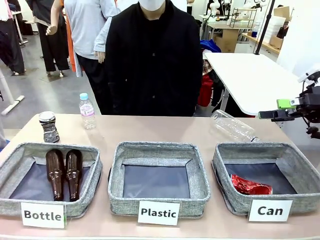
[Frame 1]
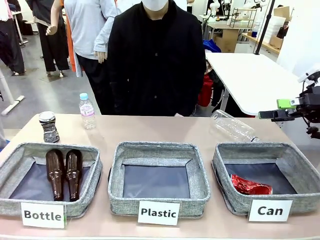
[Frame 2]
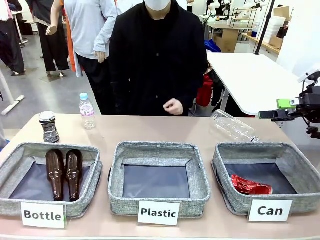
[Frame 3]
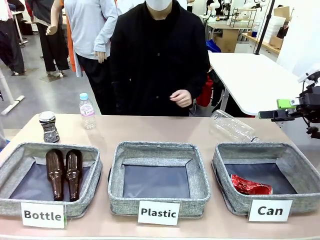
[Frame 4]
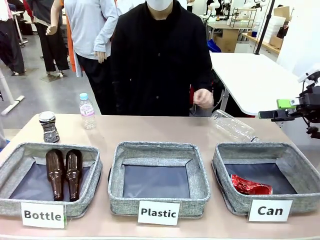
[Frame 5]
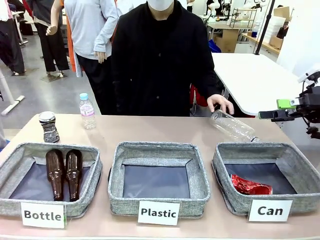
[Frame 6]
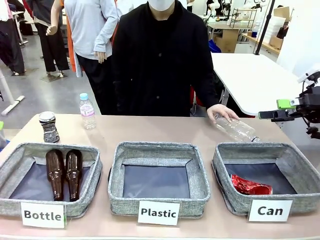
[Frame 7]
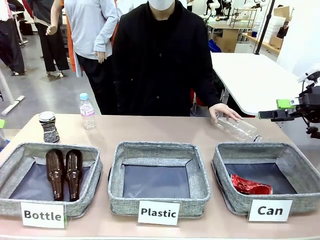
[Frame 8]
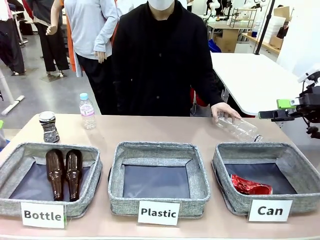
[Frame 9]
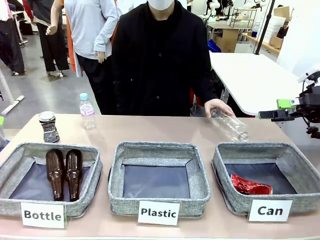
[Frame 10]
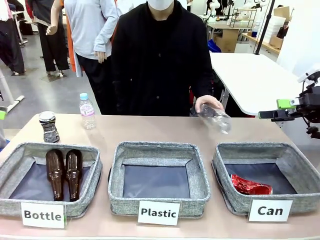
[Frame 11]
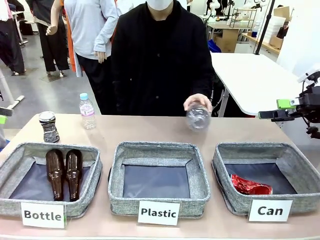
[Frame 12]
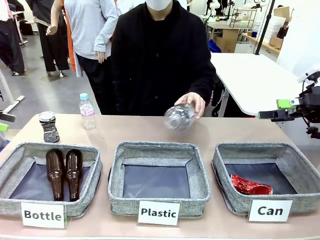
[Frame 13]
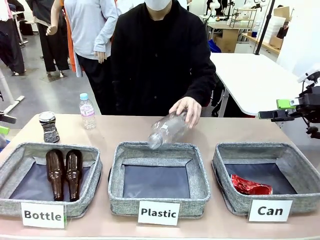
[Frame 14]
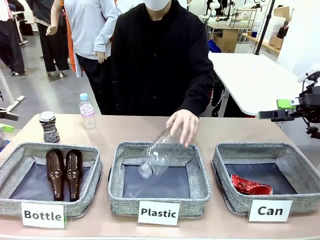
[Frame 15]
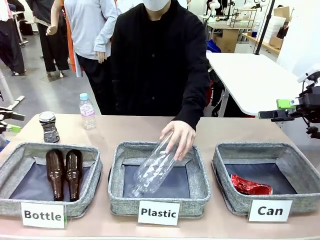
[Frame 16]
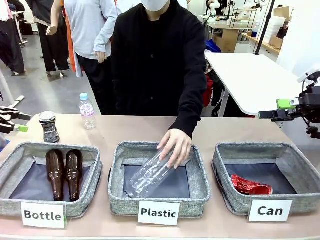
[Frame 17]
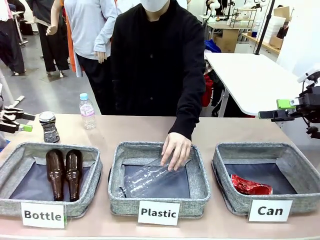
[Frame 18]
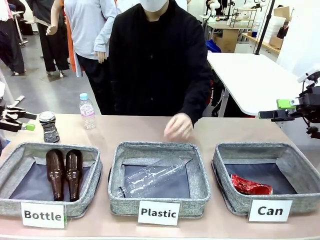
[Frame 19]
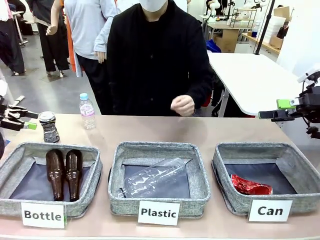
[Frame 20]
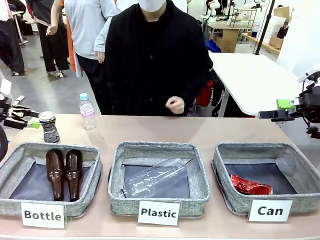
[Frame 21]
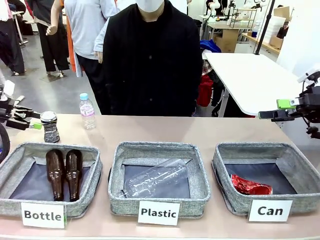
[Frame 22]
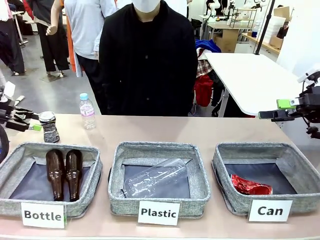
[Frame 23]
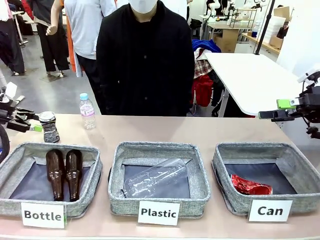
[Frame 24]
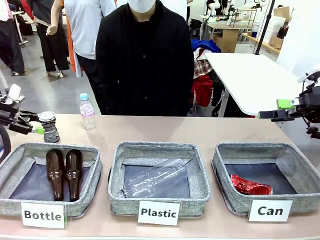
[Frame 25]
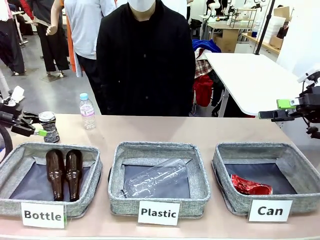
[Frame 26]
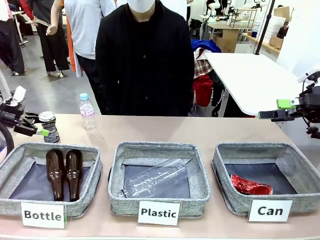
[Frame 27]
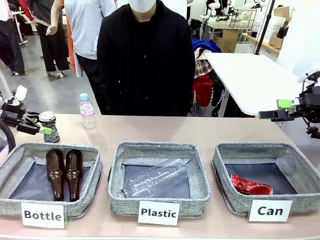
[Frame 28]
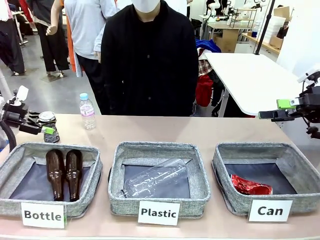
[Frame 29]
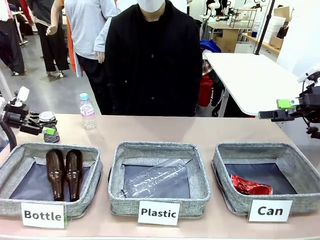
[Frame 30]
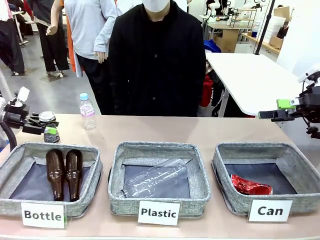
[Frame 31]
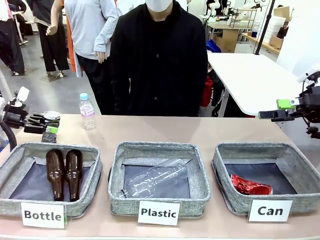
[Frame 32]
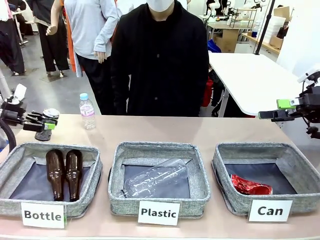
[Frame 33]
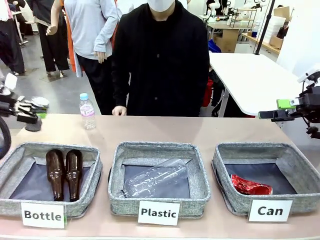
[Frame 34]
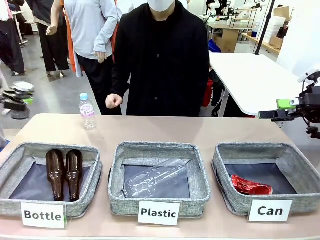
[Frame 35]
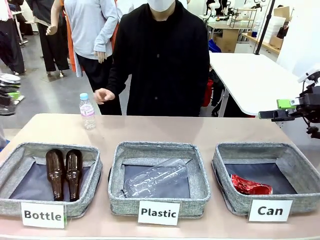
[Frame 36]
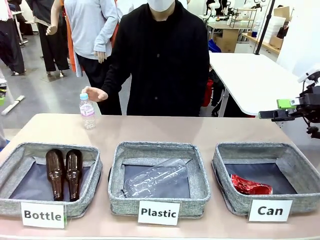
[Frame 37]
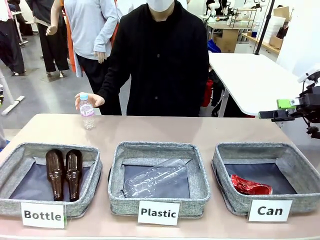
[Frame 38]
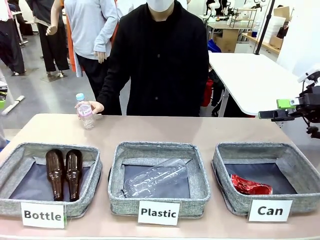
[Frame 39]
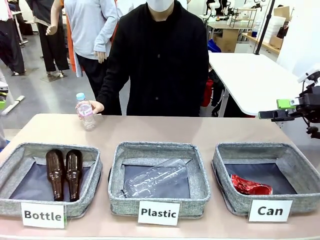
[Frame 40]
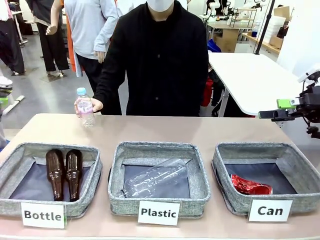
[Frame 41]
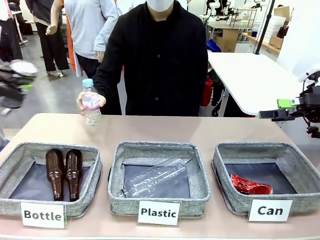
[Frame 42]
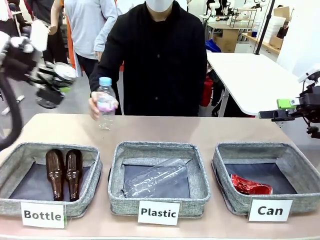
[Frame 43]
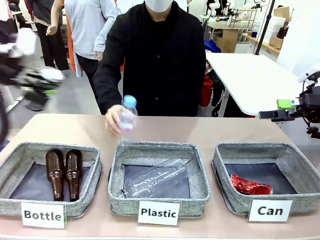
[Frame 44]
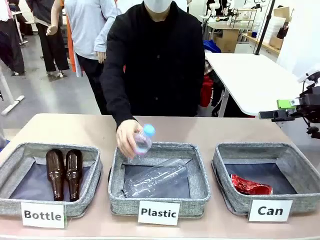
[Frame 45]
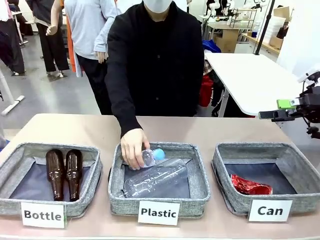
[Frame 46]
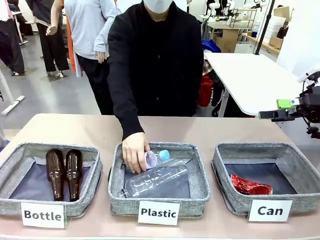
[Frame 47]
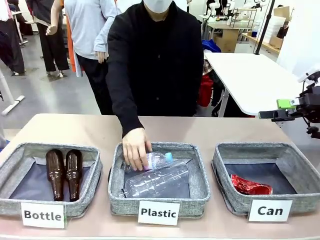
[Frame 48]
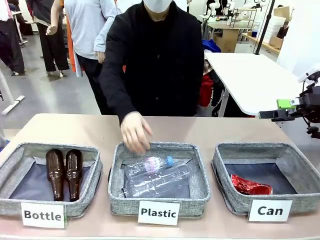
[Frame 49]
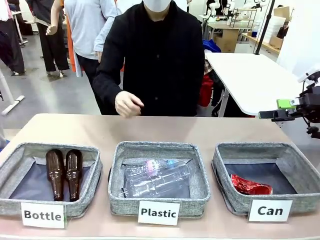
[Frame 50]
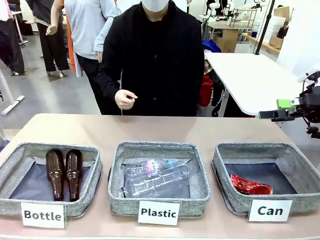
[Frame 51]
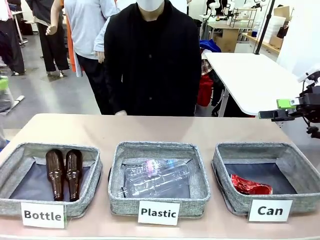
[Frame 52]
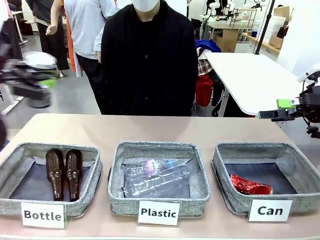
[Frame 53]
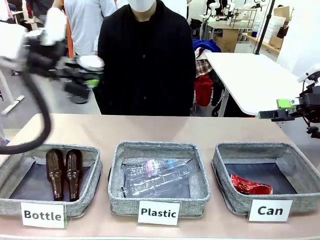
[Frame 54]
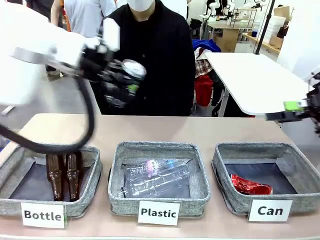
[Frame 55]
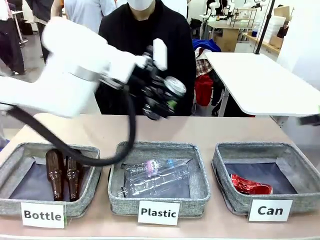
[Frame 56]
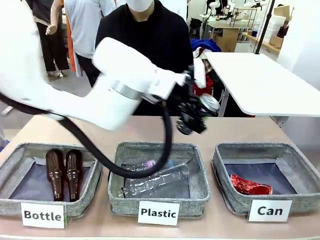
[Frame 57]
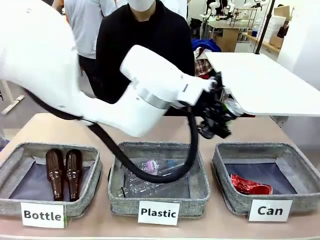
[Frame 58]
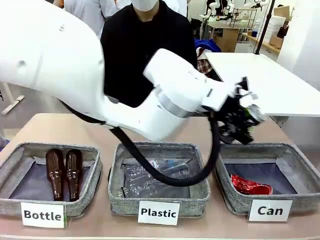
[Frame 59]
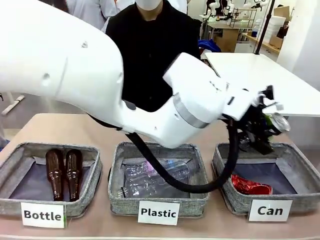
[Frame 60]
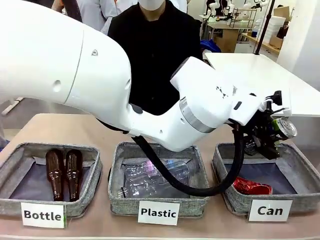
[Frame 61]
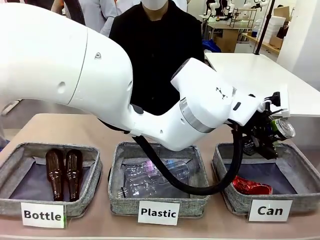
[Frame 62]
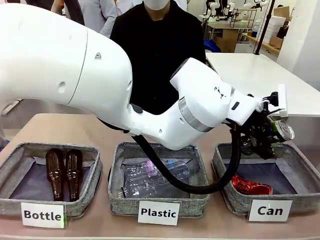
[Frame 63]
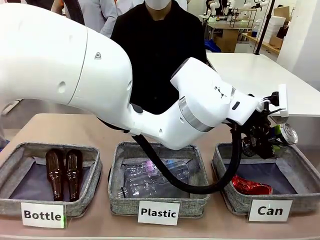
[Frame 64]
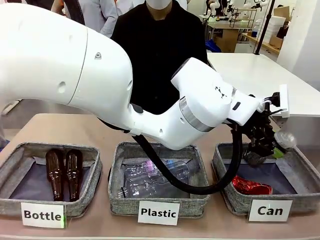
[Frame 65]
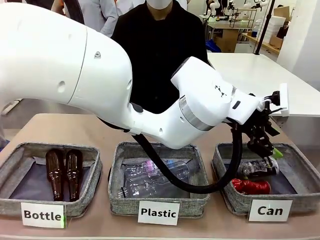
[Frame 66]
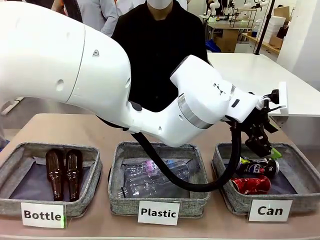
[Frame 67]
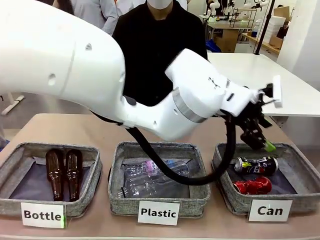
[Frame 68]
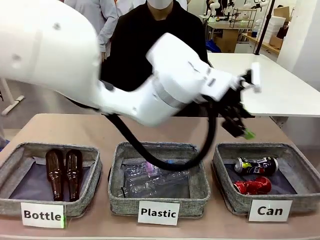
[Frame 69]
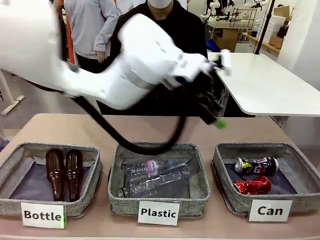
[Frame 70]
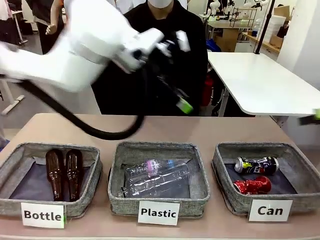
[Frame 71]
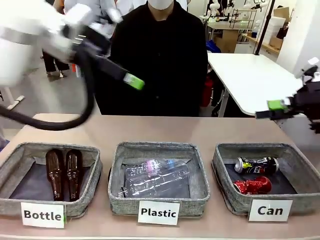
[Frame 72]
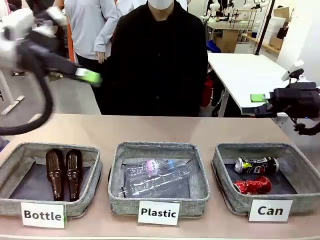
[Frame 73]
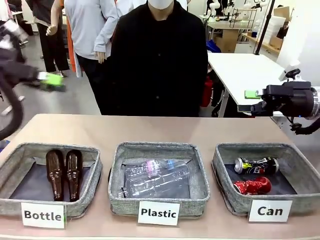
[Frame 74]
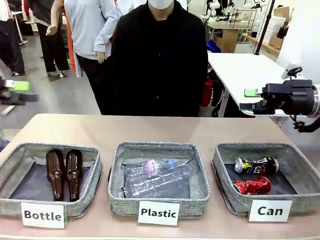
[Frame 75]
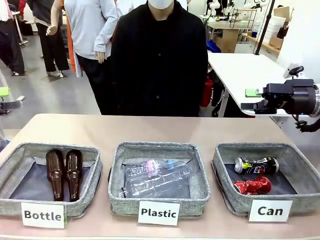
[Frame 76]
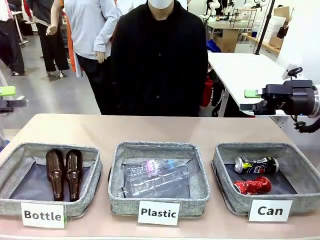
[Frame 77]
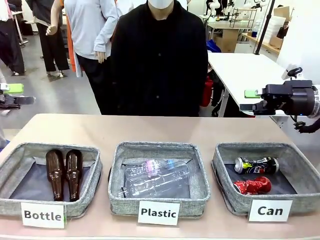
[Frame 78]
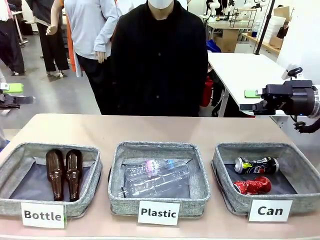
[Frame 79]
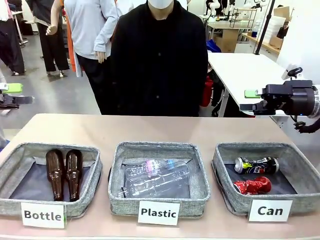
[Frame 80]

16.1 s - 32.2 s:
Task: Sort the can waste into the basket.
Robot: Pick up the can waste from the table and place it in the right Fabric basket.
